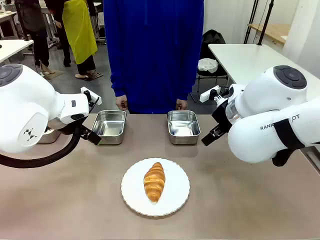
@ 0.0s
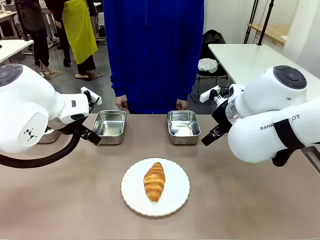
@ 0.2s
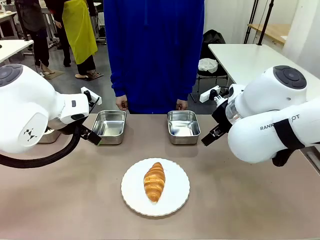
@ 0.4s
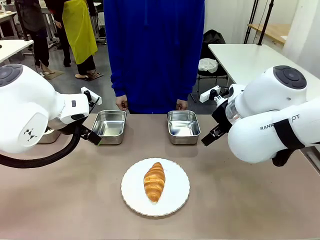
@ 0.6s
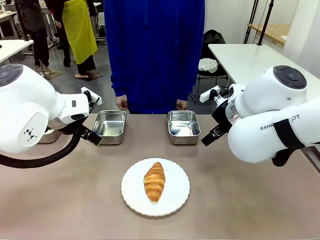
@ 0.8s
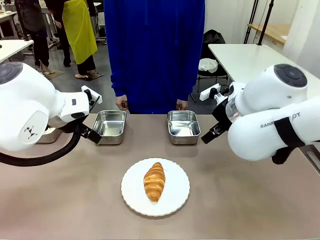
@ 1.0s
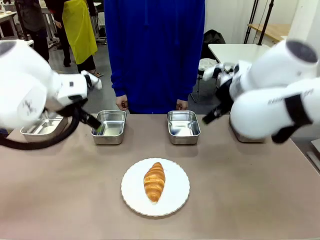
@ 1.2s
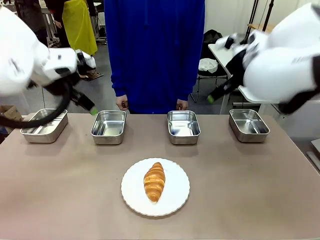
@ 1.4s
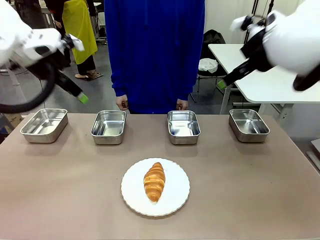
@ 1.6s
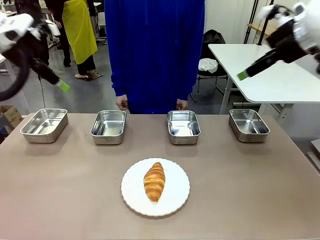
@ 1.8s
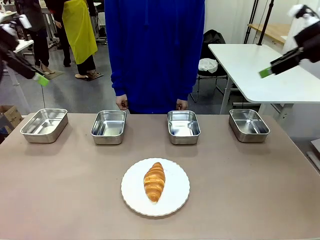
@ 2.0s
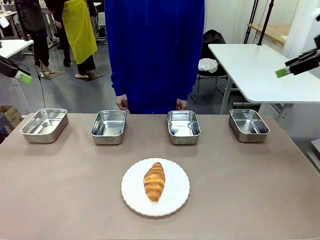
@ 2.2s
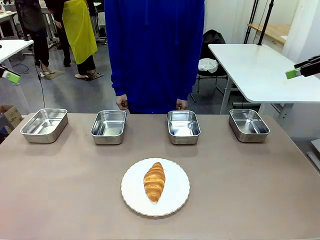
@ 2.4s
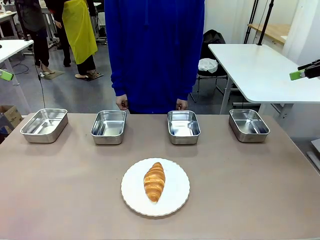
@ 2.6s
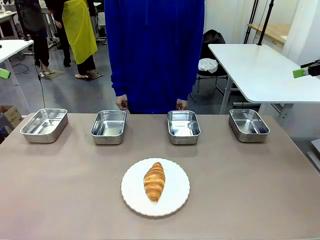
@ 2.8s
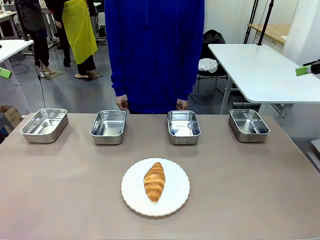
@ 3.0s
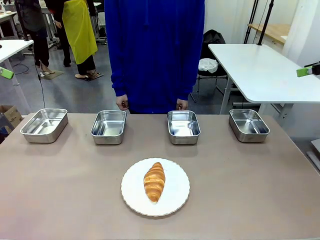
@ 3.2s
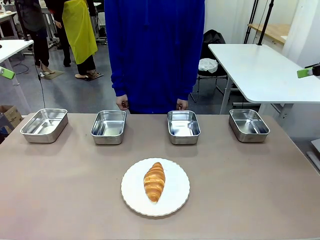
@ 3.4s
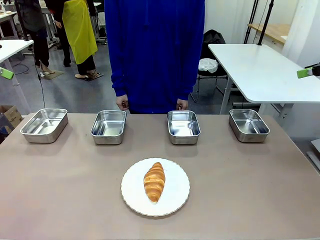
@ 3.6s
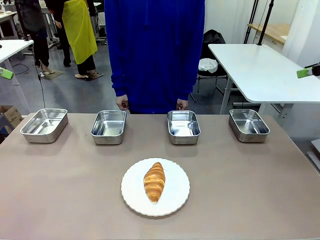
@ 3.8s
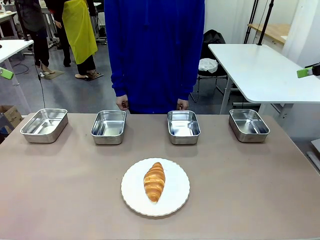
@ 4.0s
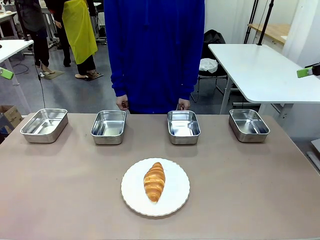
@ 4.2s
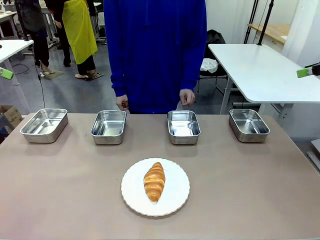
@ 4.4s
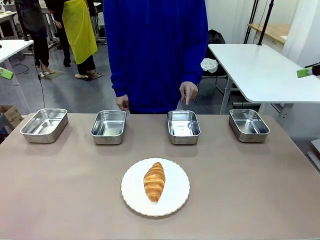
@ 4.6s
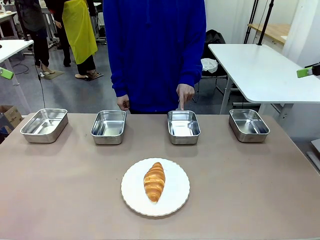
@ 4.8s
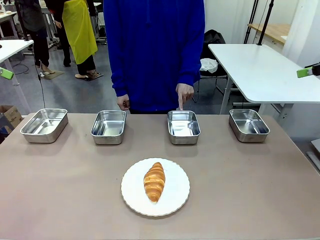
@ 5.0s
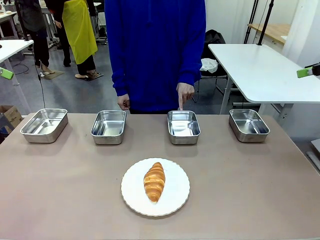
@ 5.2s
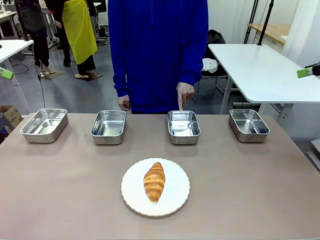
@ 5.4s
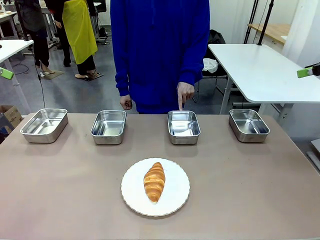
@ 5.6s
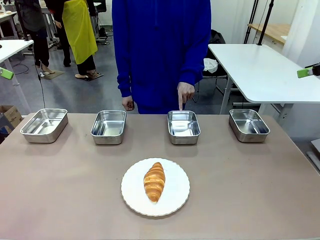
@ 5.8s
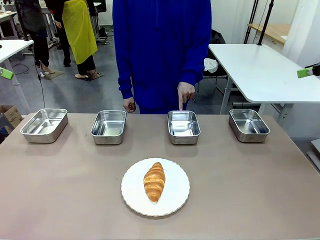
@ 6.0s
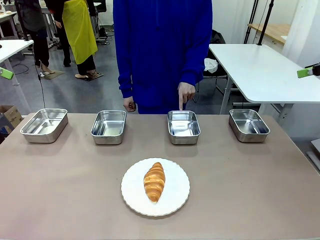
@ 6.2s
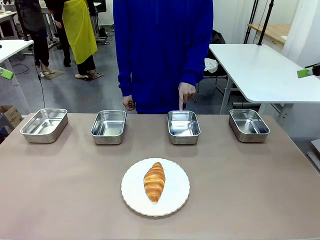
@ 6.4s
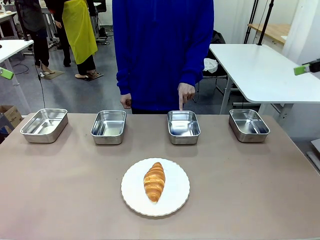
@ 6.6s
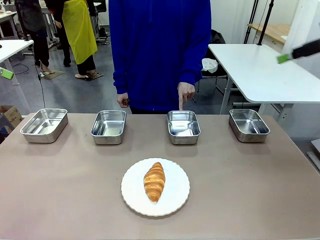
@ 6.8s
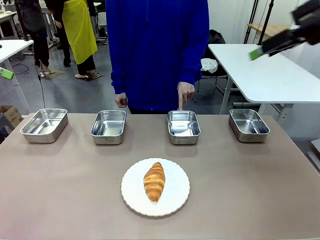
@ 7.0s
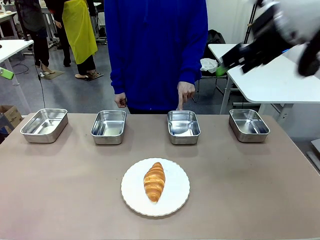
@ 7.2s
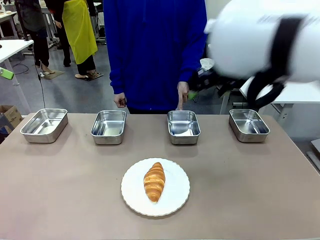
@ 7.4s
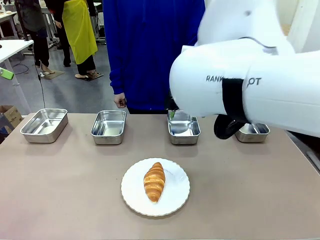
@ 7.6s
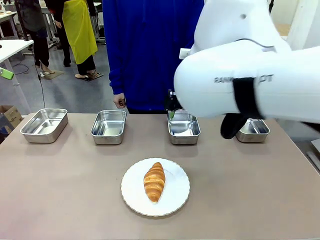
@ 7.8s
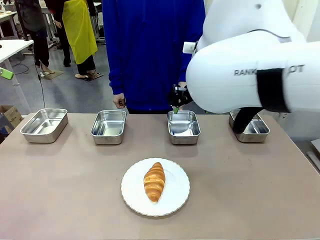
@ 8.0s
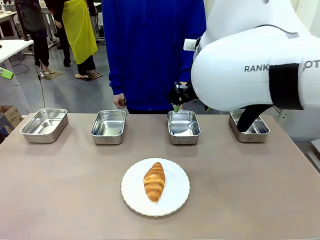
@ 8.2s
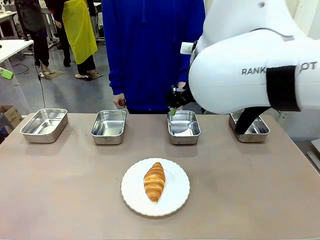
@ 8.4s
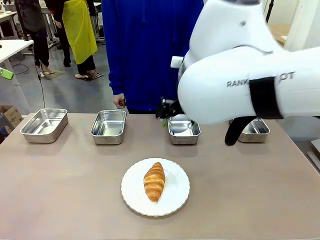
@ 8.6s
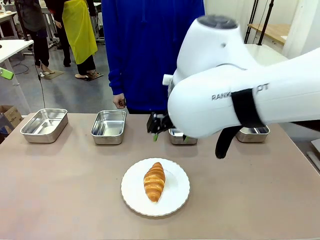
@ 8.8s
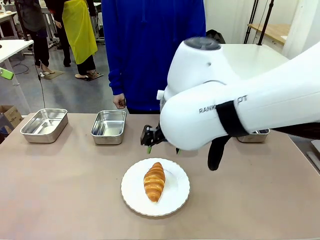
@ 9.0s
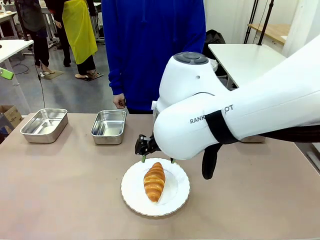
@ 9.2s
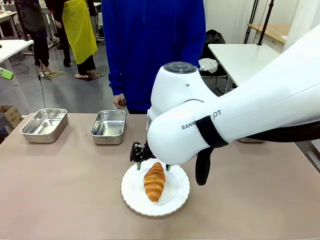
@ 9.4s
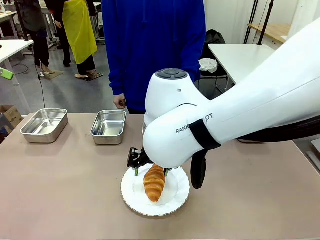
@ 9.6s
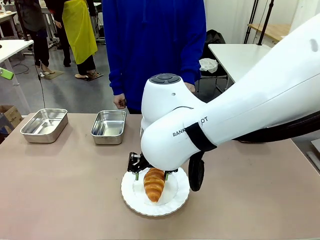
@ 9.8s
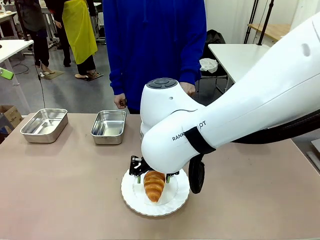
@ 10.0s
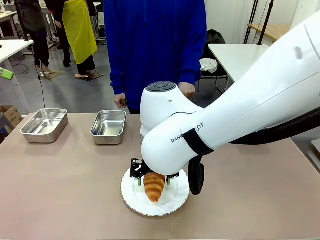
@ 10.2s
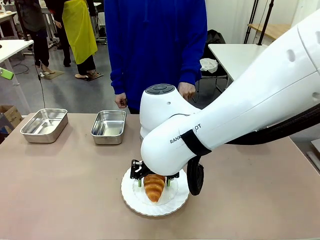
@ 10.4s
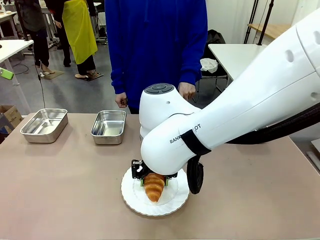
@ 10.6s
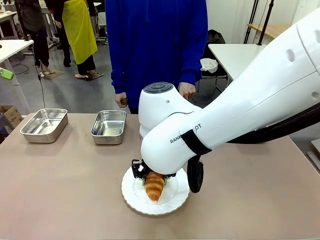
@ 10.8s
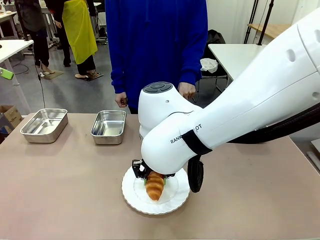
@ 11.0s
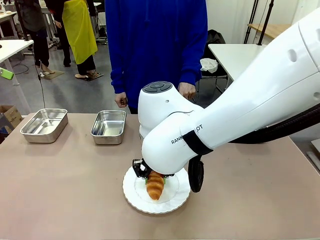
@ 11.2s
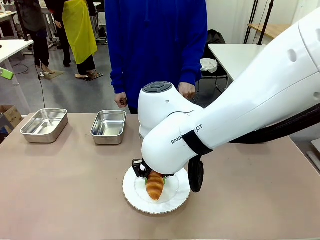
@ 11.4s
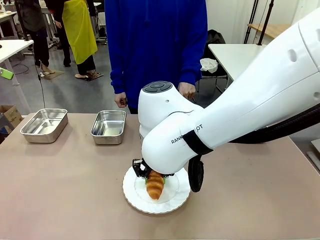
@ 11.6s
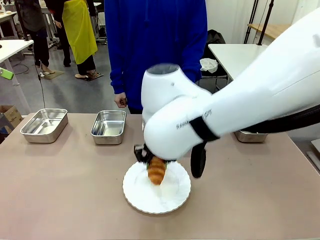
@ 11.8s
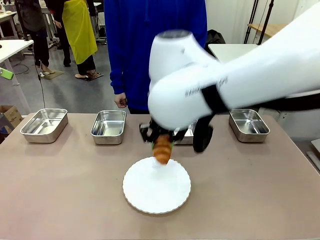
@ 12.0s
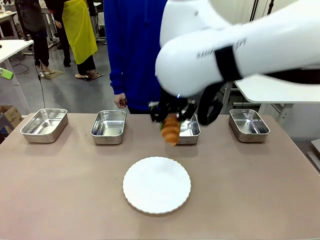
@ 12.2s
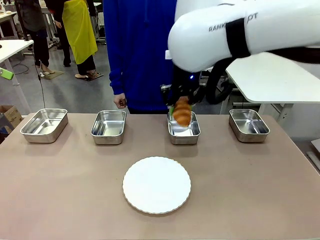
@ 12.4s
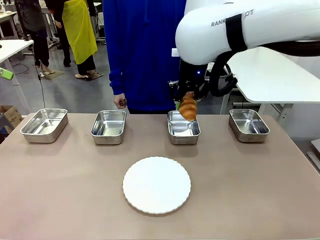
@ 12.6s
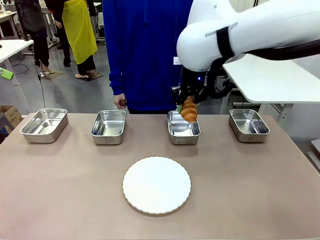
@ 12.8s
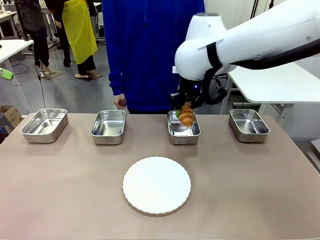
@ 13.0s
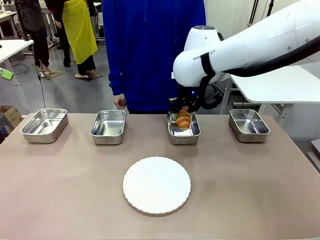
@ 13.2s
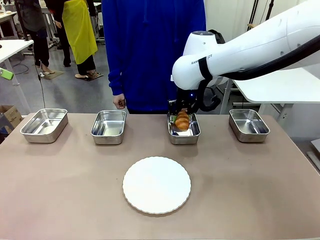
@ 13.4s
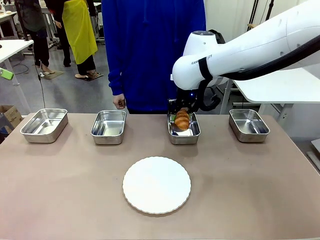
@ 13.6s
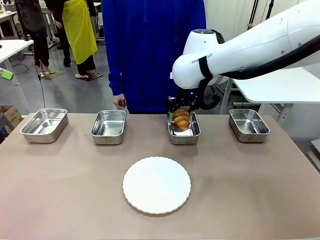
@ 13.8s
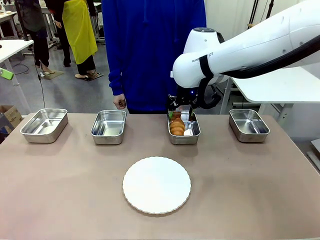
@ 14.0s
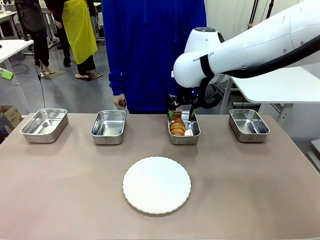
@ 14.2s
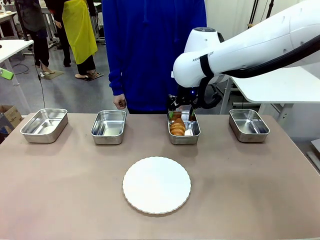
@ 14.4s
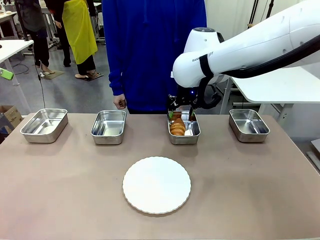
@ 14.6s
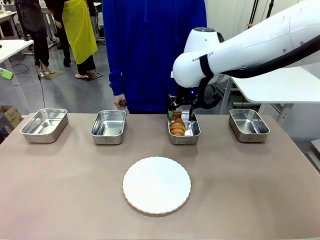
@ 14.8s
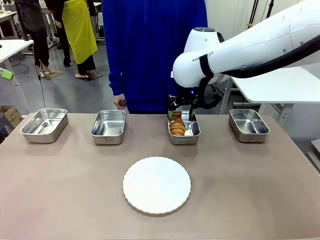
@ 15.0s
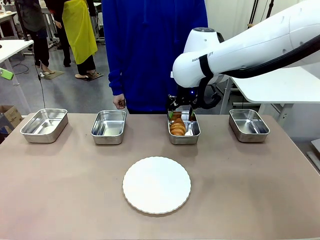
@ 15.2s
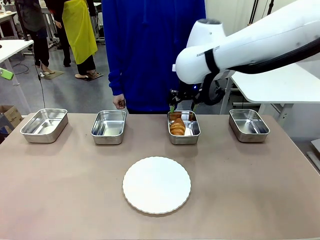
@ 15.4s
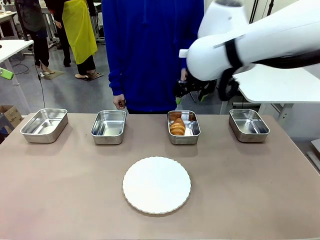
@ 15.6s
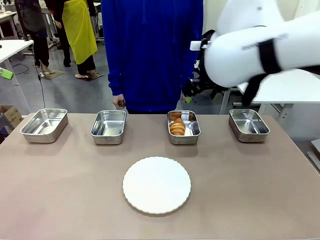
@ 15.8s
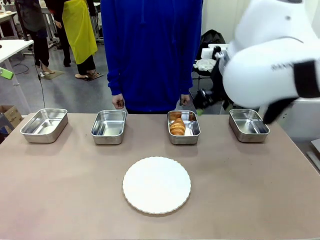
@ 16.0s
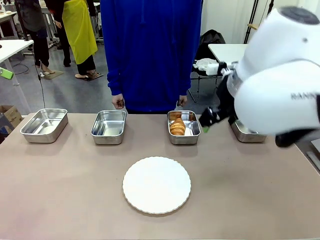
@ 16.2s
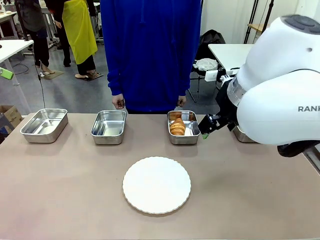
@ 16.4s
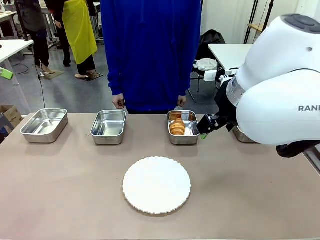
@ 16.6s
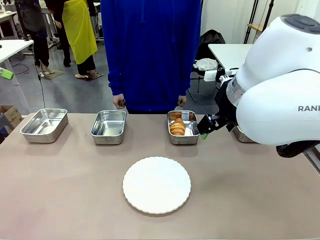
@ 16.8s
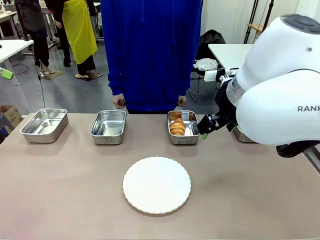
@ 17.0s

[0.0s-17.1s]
Task: Place the bread in the container.
Robot: Place the Butter Roll into the Airtight Container indicated by the human.
Person: A person randomly selects and points to an Airtight Container.
